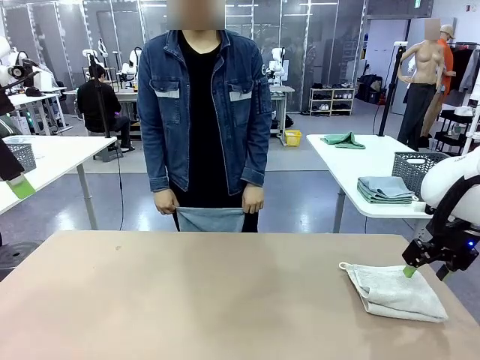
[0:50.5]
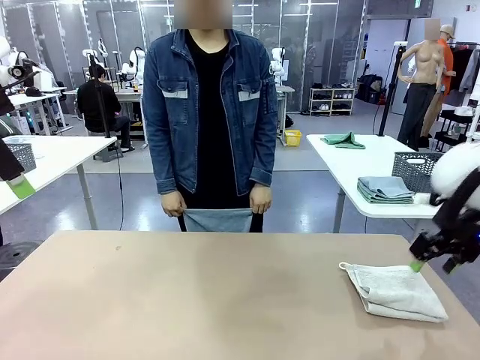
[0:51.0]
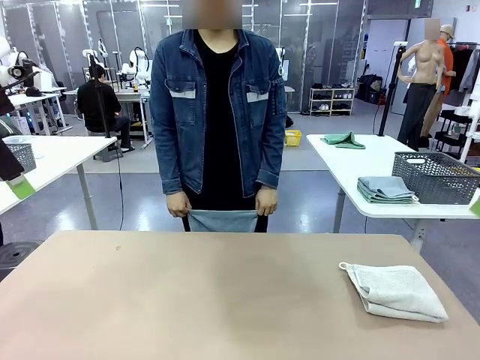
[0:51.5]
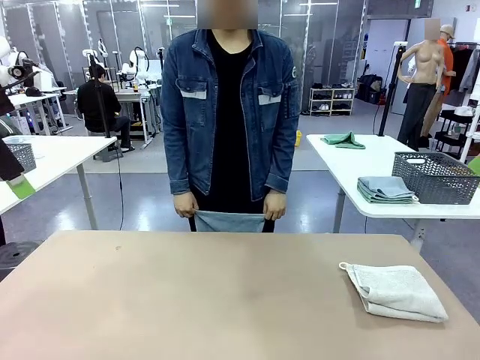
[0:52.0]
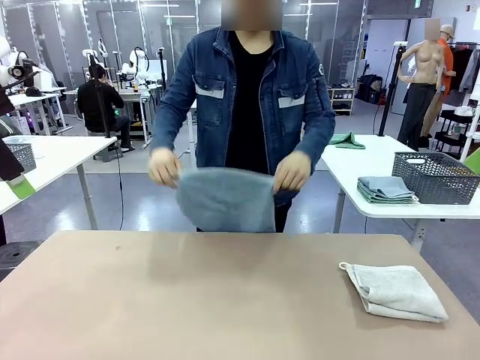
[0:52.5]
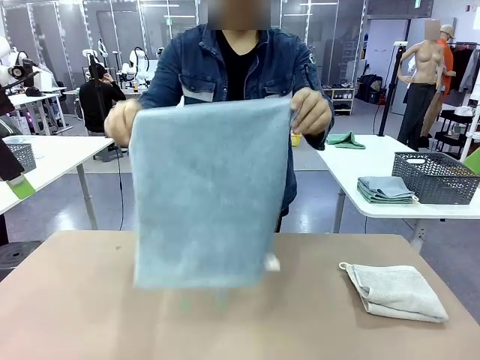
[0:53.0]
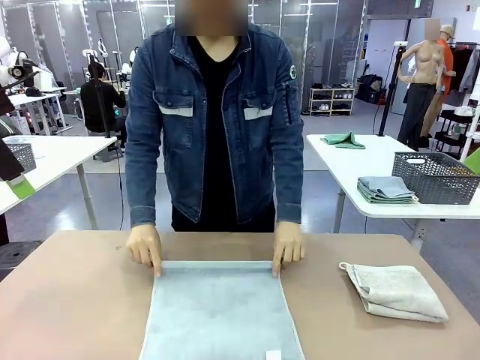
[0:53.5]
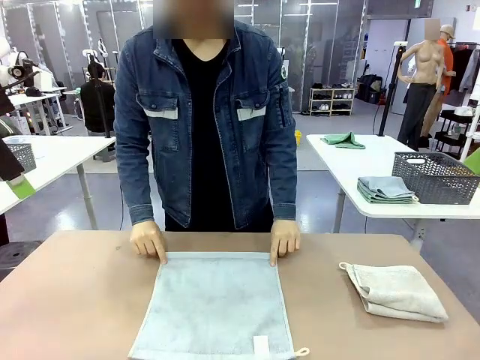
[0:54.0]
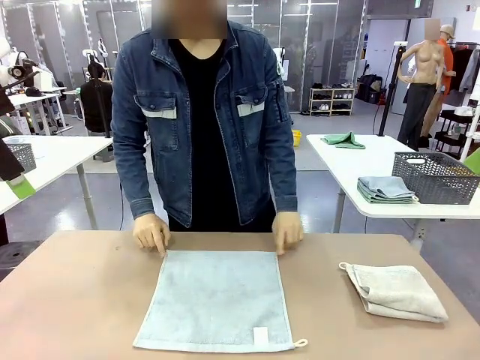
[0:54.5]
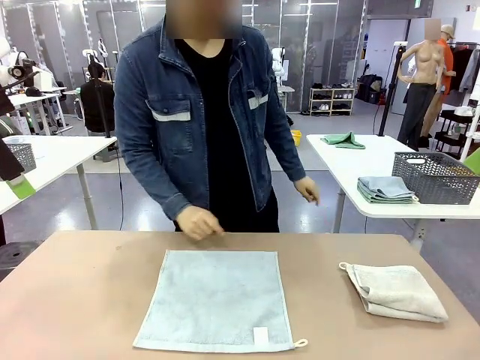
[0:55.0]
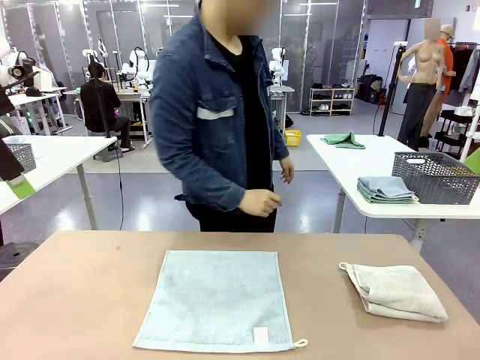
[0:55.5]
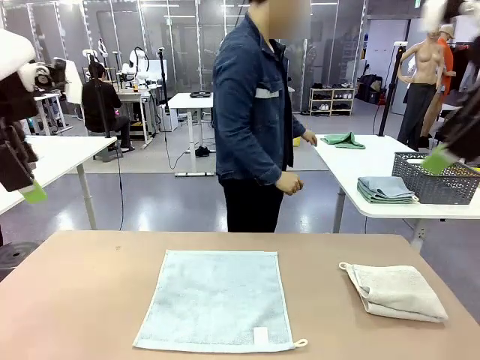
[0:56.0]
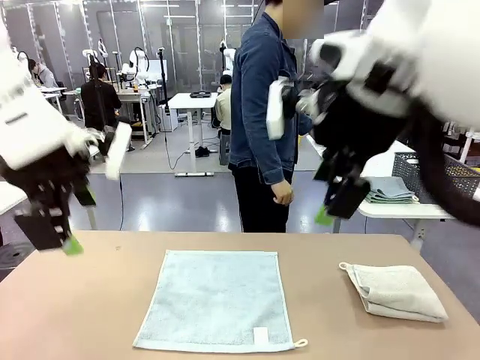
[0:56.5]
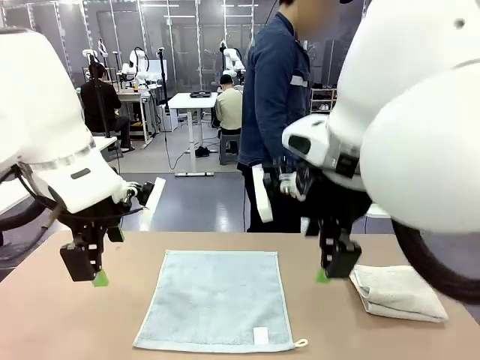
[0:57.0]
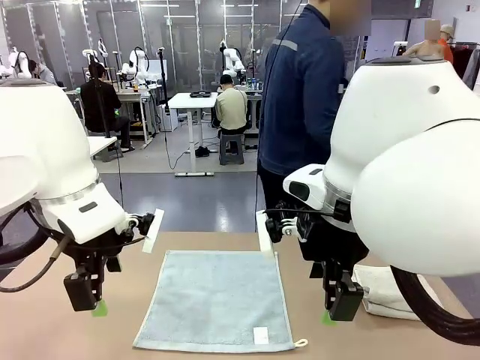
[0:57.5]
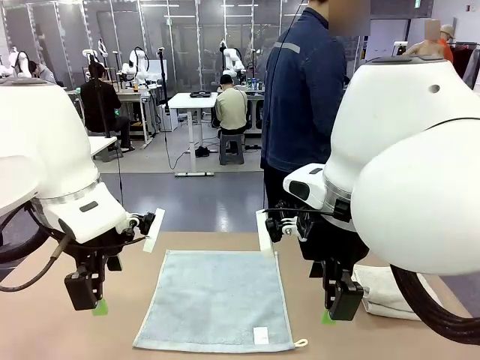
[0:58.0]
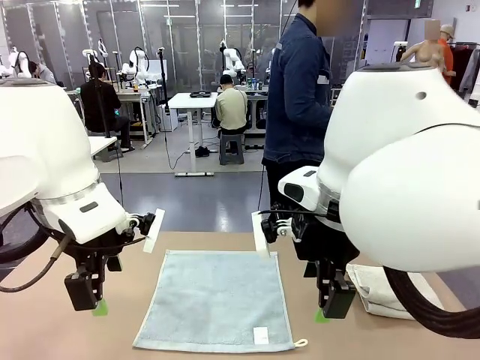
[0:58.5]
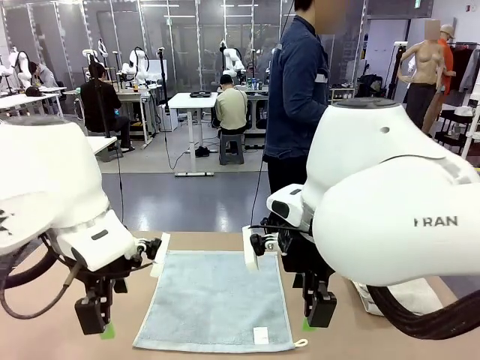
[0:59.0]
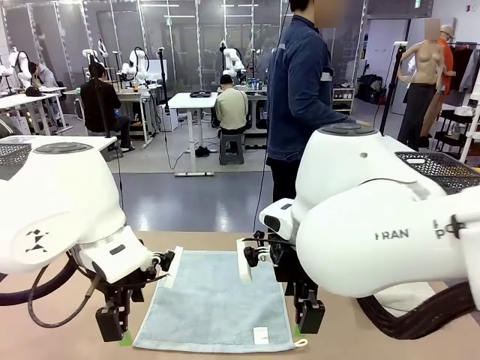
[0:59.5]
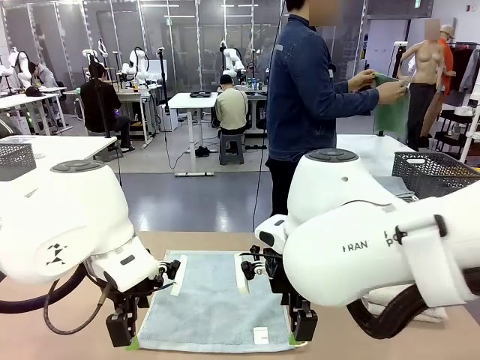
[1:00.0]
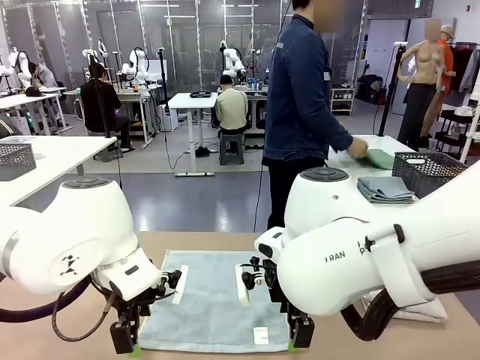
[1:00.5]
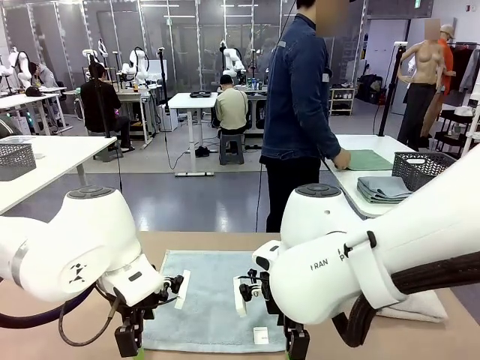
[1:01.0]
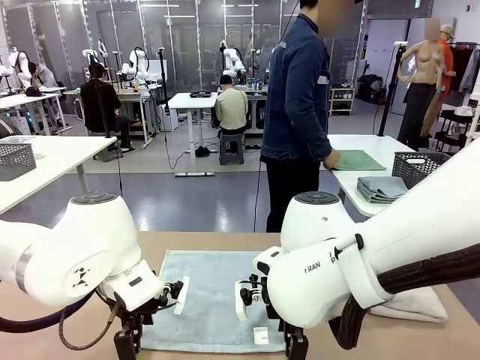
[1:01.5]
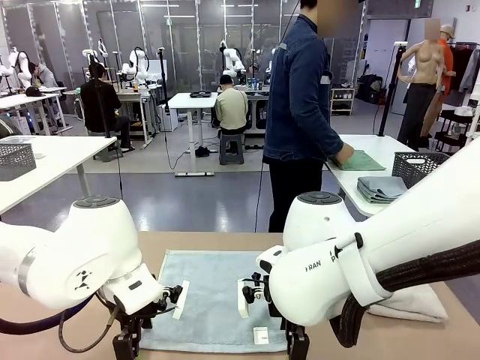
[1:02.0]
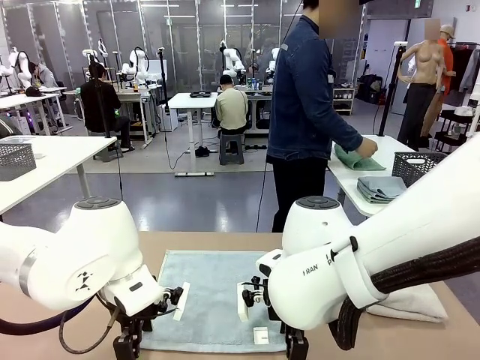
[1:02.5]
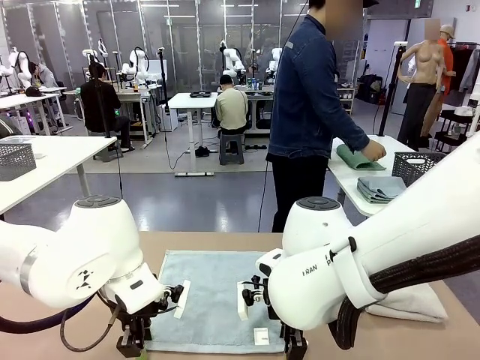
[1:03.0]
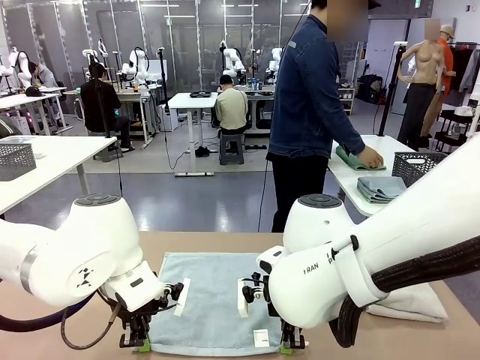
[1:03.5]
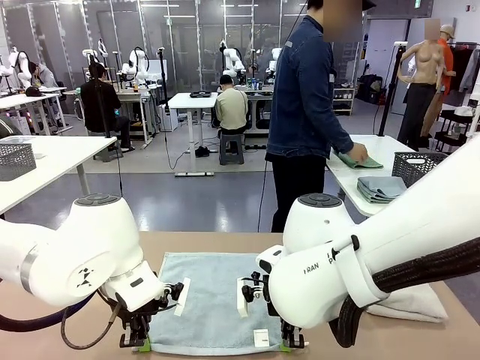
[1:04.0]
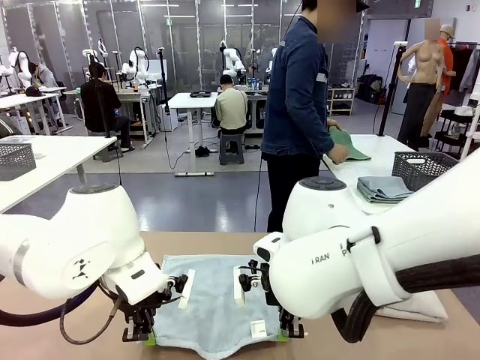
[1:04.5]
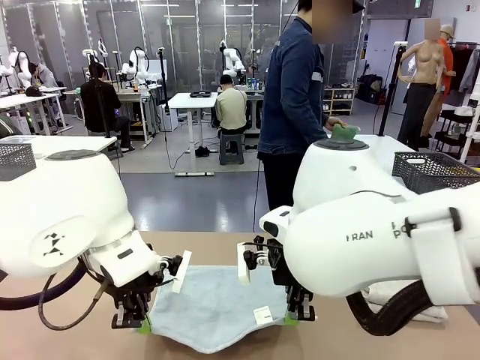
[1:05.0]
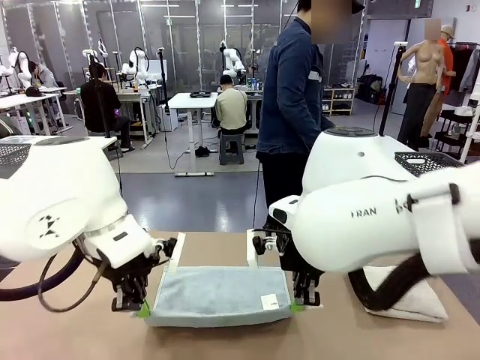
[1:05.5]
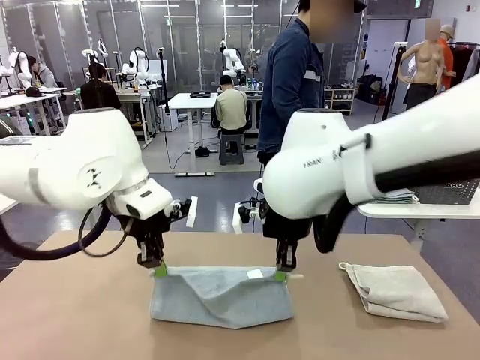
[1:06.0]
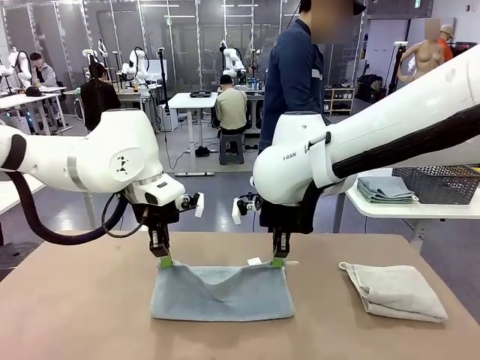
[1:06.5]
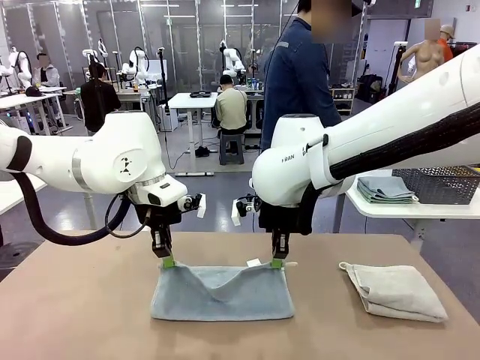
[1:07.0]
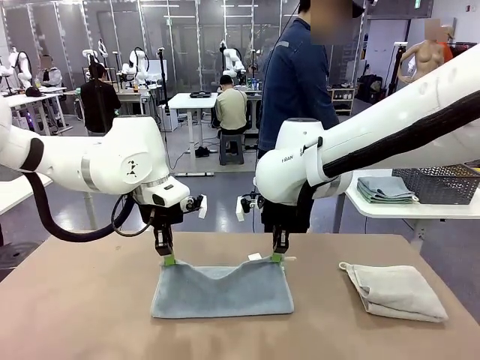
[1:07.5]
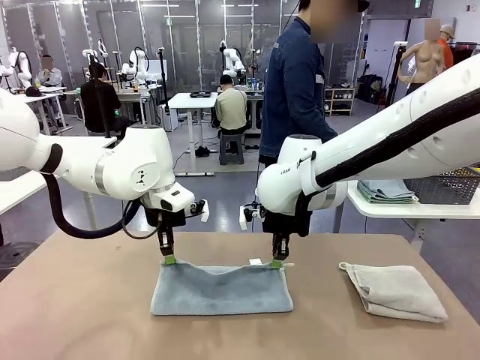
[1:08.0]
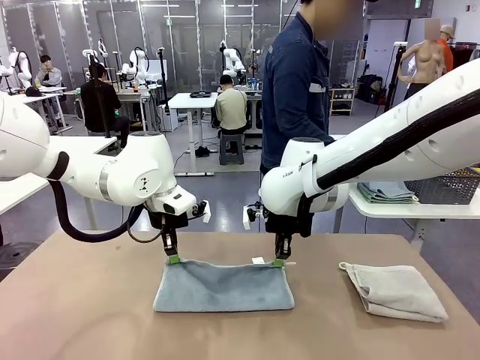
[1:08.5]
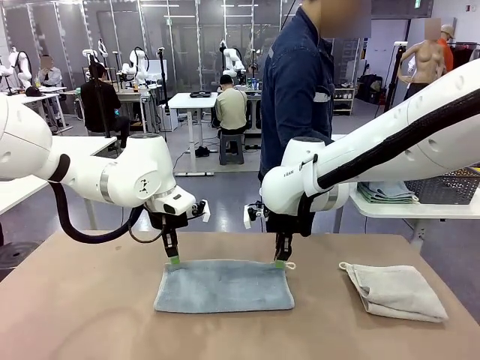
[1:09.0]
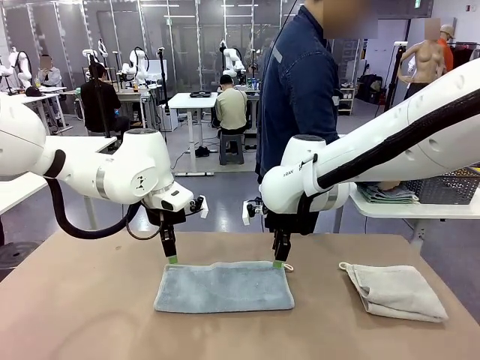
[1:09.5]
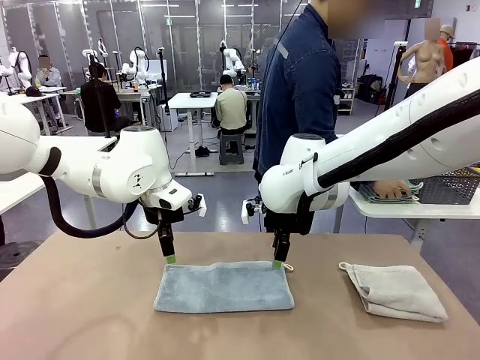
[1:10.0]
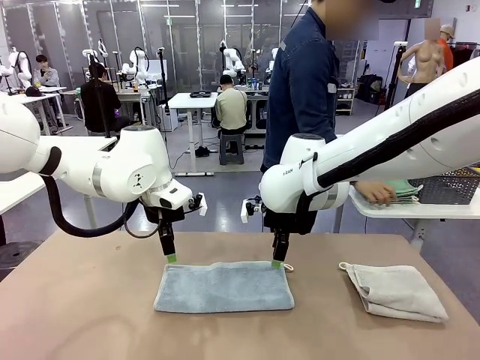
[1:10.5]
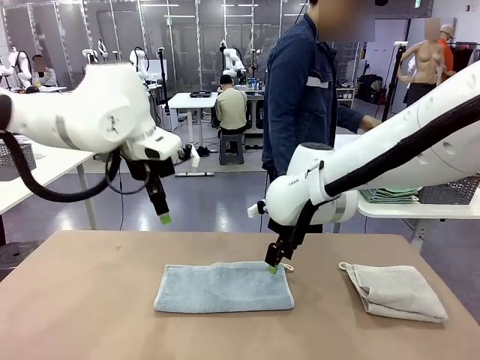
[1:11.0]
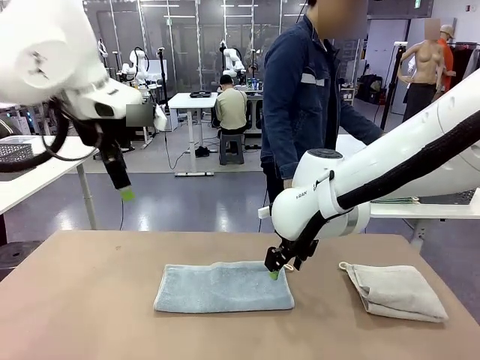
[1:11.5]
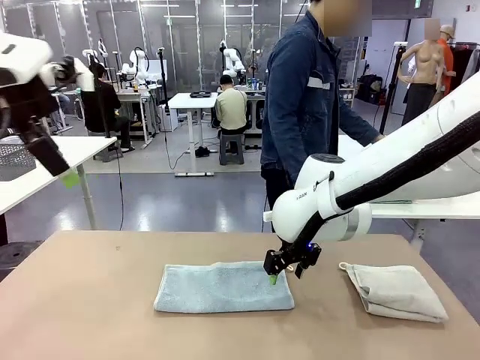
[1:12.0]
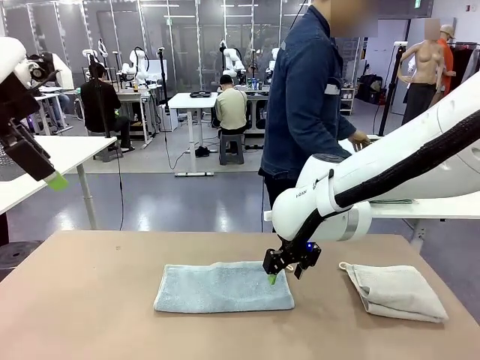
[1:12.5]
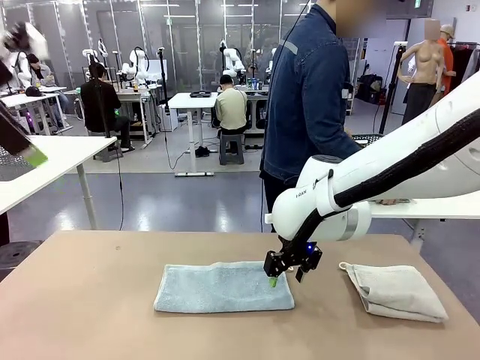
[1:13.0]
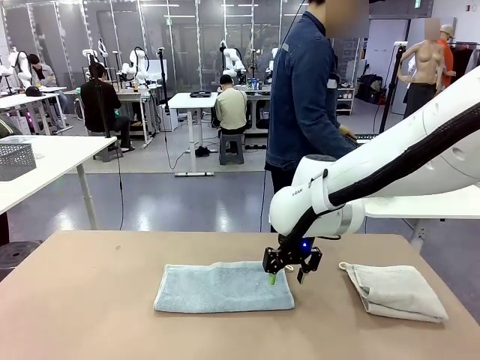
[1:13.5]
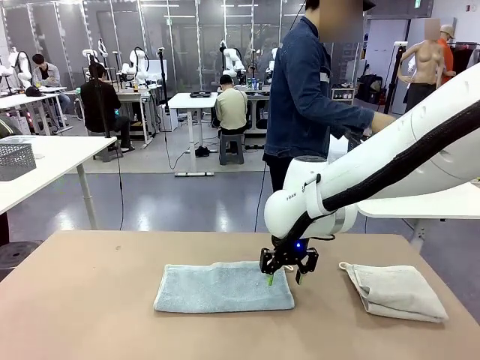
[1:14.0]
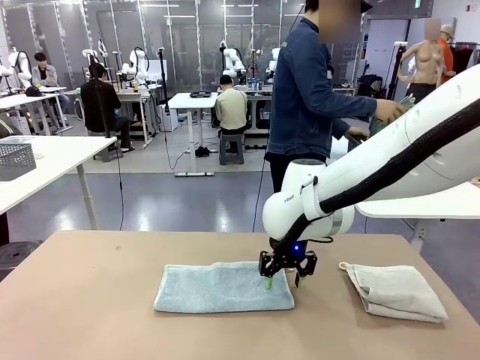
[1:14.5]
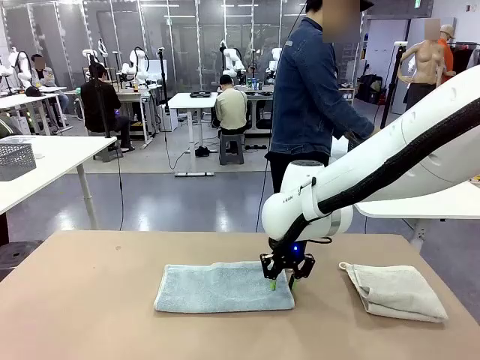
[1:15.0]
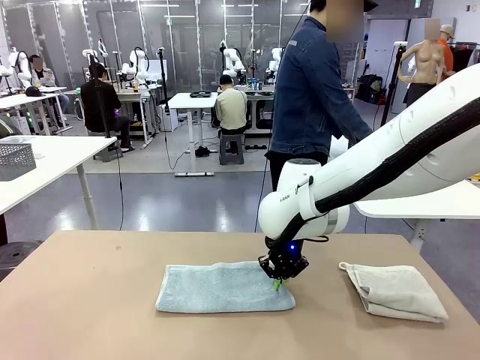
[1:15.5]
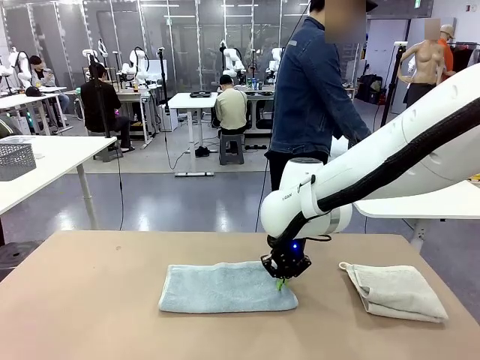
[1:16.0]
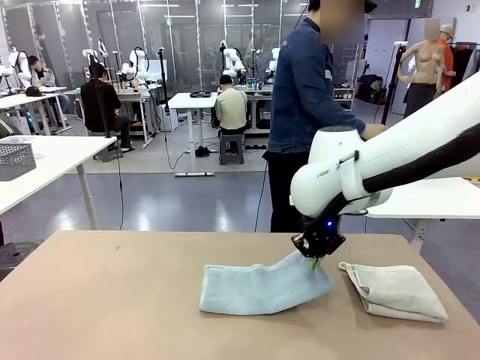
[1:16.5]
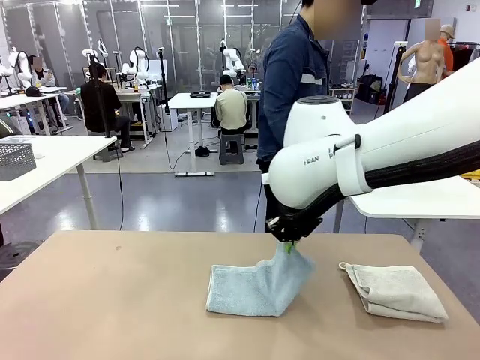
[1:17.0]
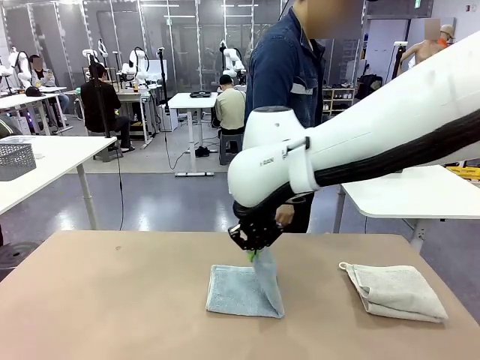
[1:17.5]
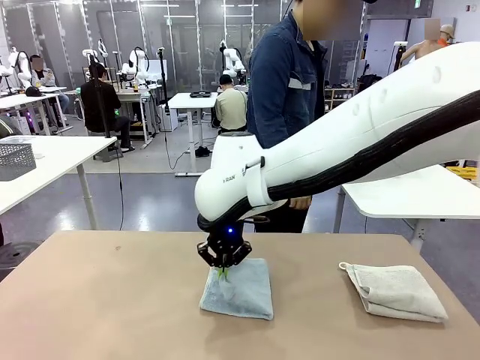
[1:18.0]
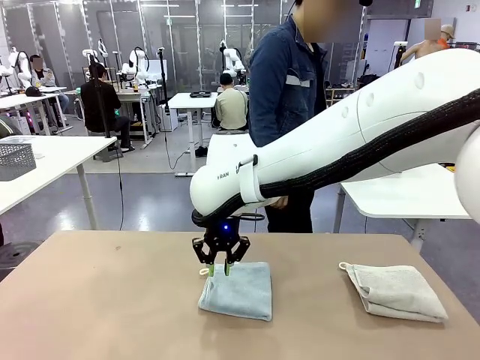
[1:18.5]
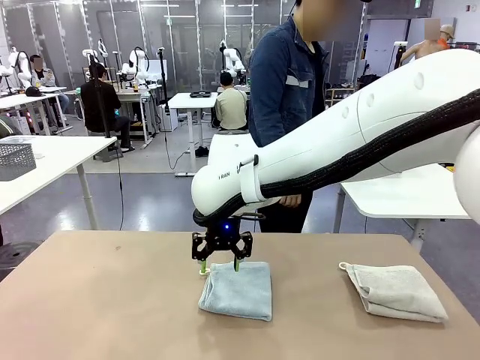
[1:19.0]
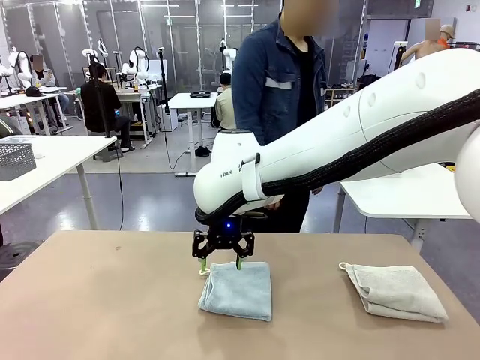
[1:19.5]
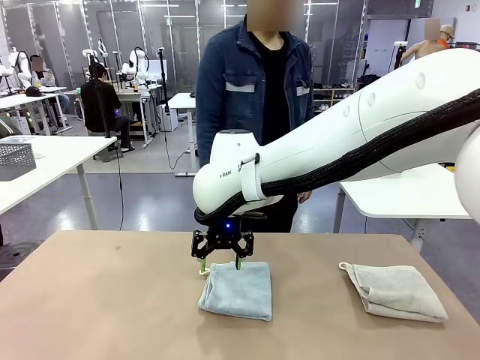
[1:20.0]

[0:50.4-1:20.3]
Task: Fold the towels and place them in the basket.
Robot: When a person lays out a Towel with hook on the table, fold it in half twice.
Person: Pick up one towel from the left side of the human table, fold it in half twice, and stack it on the right side of the table. Pick up the stack of towels from the right side of the human table, place it into the basket, and put the basket at the center of the table.
